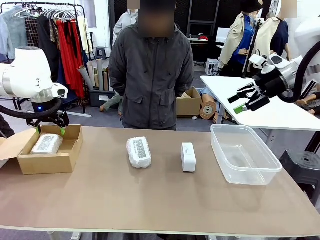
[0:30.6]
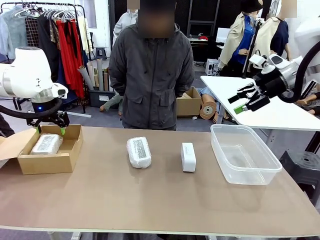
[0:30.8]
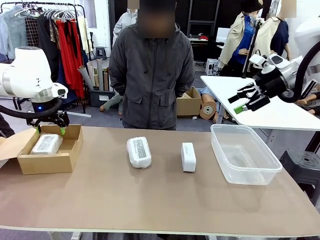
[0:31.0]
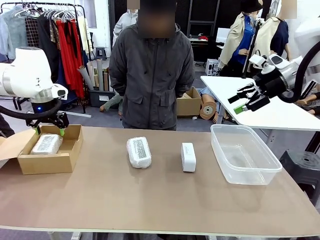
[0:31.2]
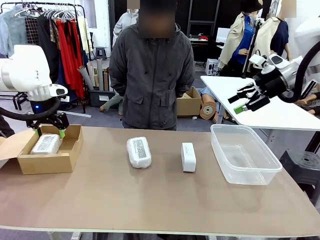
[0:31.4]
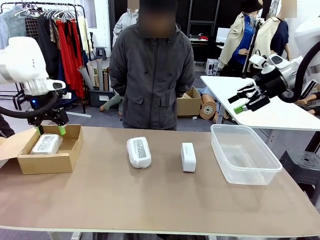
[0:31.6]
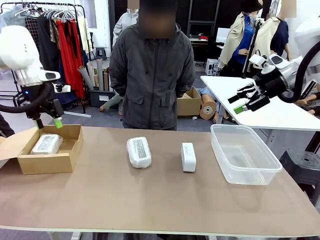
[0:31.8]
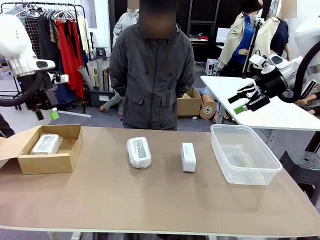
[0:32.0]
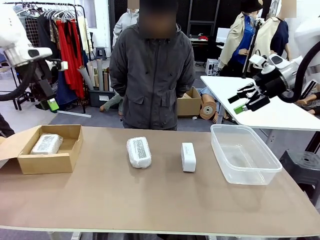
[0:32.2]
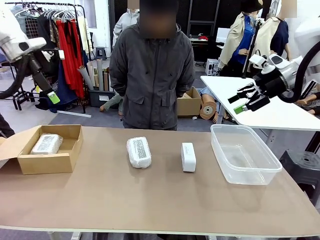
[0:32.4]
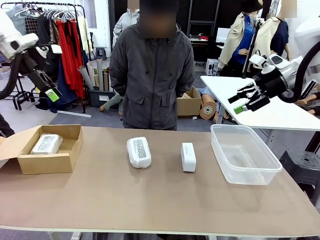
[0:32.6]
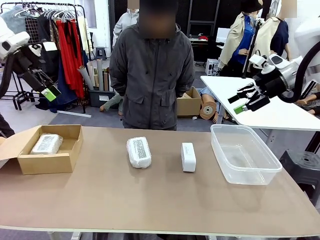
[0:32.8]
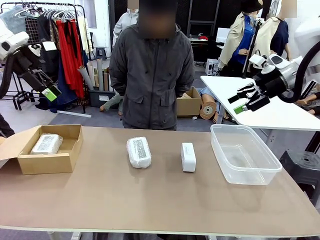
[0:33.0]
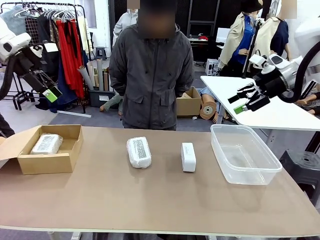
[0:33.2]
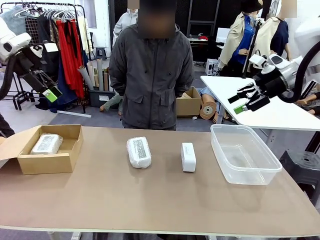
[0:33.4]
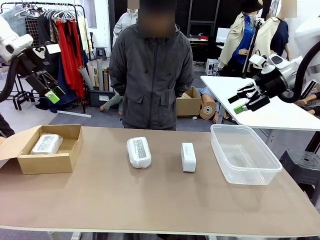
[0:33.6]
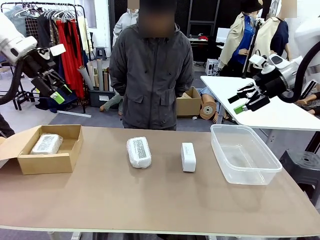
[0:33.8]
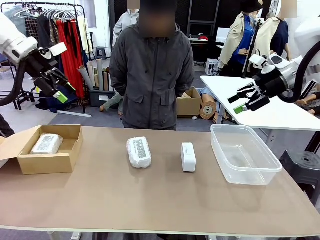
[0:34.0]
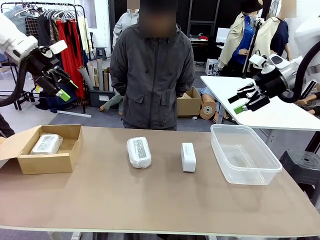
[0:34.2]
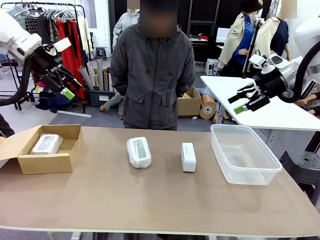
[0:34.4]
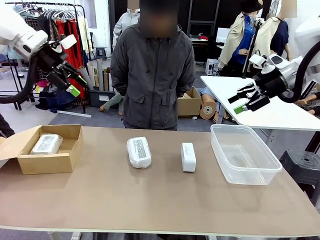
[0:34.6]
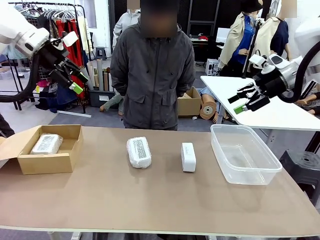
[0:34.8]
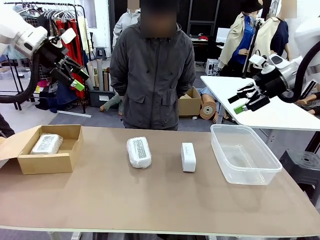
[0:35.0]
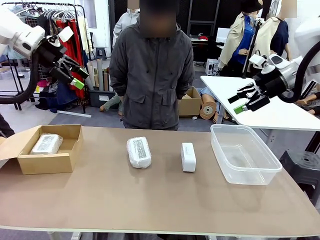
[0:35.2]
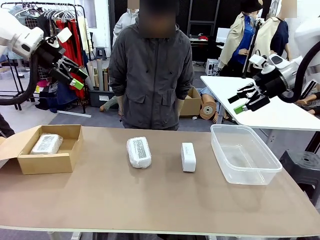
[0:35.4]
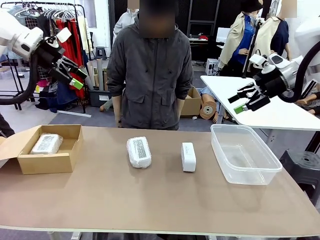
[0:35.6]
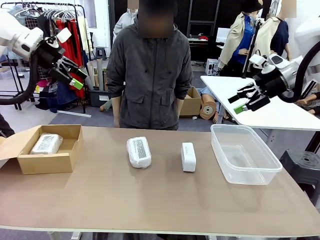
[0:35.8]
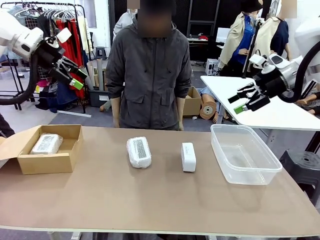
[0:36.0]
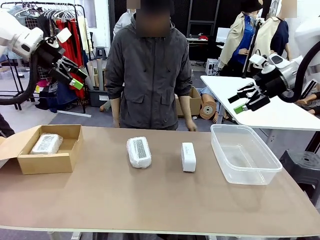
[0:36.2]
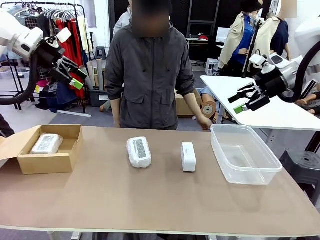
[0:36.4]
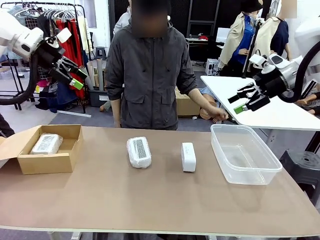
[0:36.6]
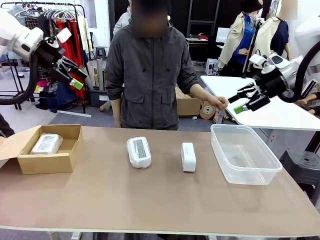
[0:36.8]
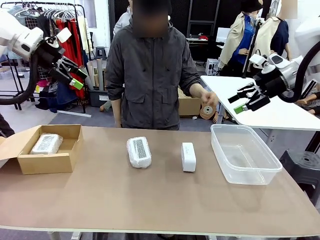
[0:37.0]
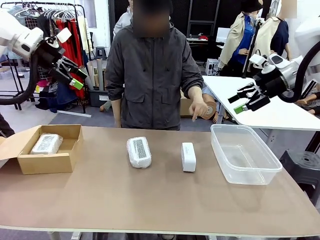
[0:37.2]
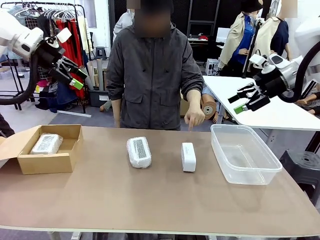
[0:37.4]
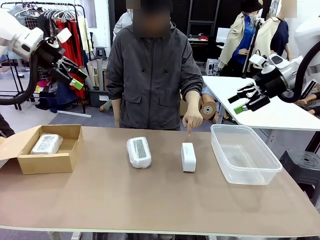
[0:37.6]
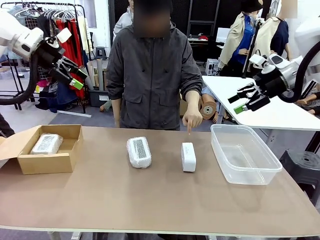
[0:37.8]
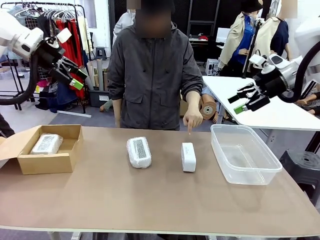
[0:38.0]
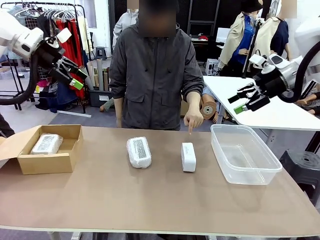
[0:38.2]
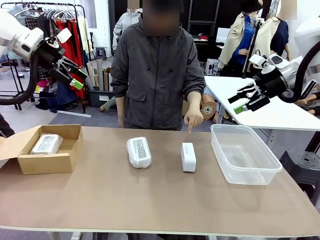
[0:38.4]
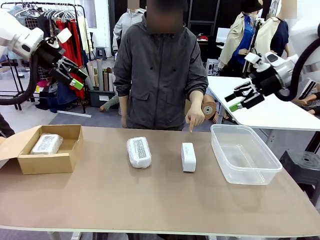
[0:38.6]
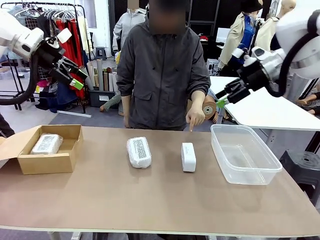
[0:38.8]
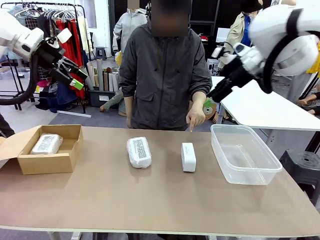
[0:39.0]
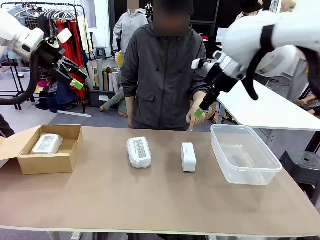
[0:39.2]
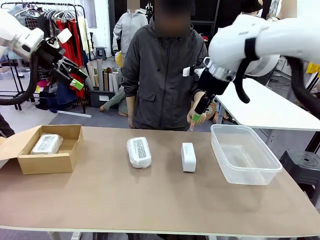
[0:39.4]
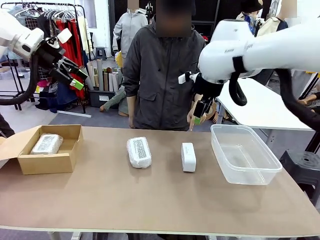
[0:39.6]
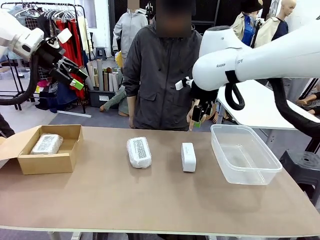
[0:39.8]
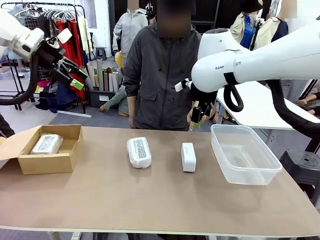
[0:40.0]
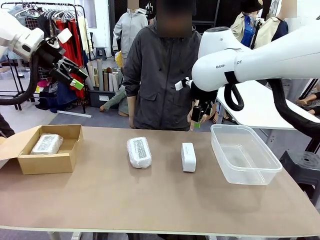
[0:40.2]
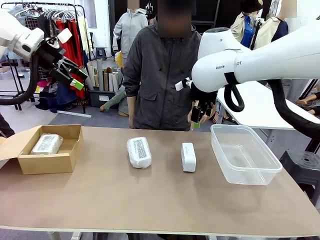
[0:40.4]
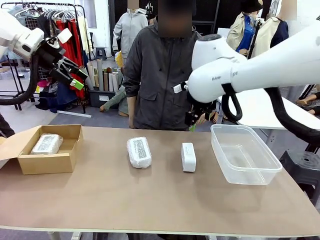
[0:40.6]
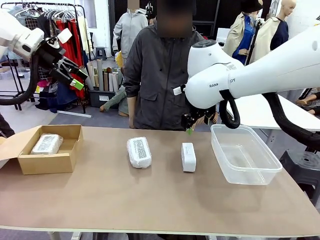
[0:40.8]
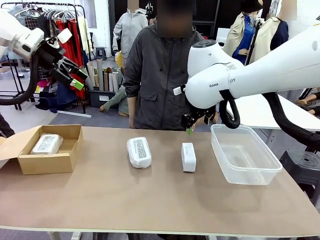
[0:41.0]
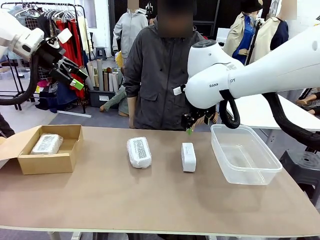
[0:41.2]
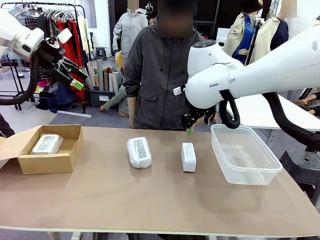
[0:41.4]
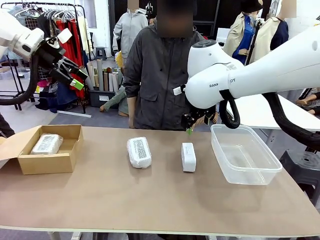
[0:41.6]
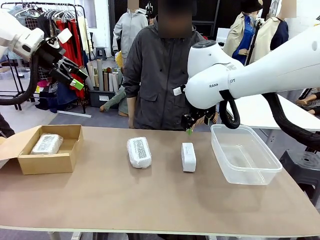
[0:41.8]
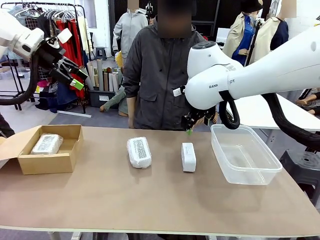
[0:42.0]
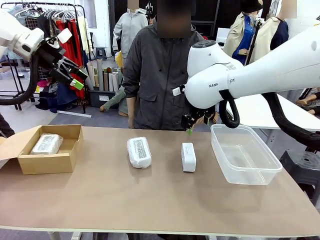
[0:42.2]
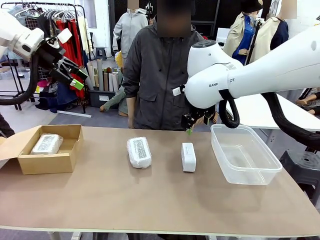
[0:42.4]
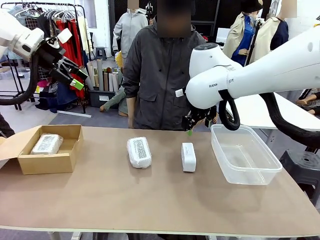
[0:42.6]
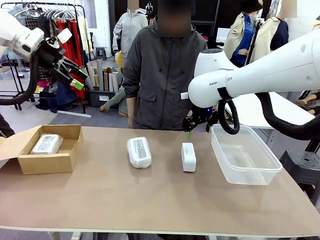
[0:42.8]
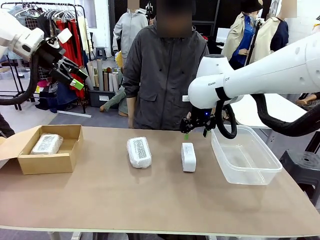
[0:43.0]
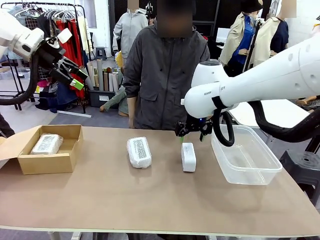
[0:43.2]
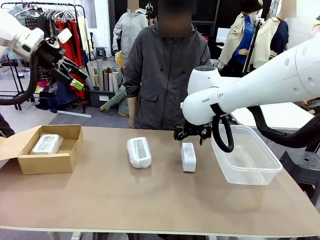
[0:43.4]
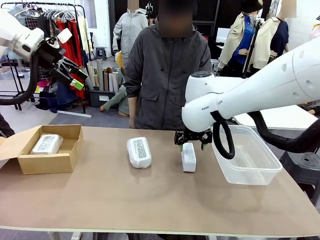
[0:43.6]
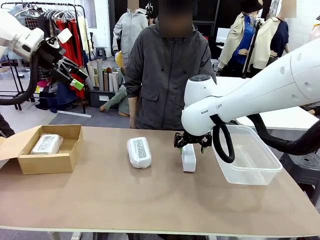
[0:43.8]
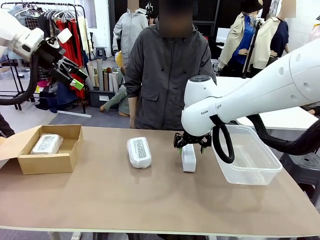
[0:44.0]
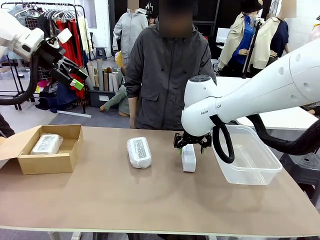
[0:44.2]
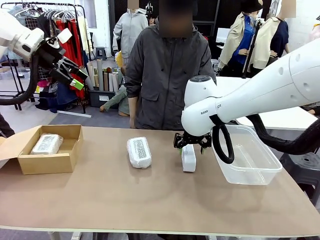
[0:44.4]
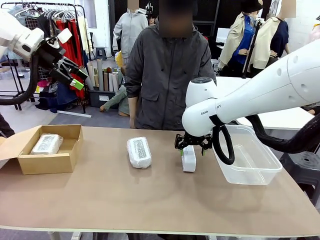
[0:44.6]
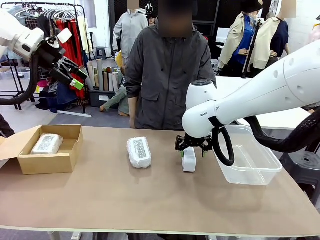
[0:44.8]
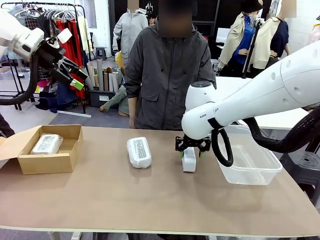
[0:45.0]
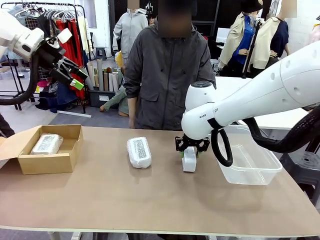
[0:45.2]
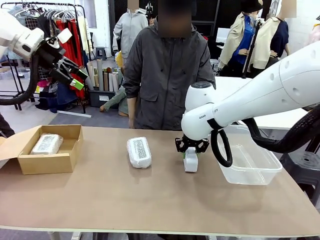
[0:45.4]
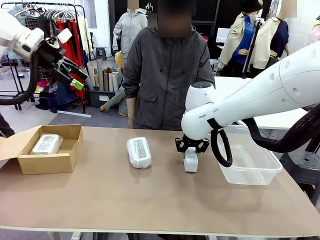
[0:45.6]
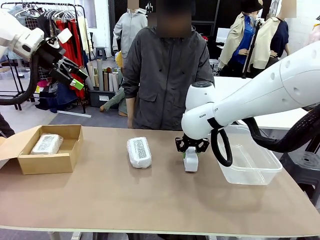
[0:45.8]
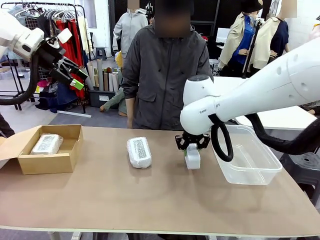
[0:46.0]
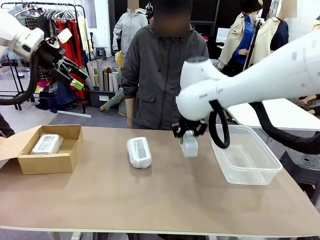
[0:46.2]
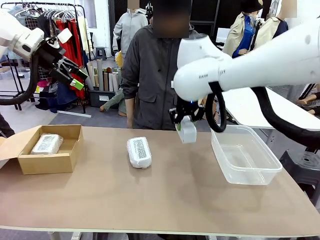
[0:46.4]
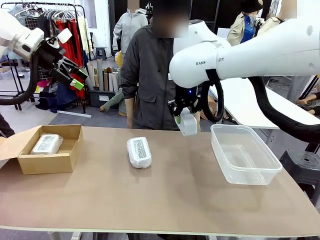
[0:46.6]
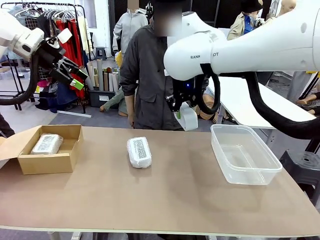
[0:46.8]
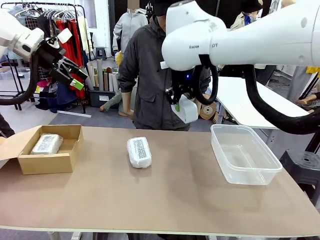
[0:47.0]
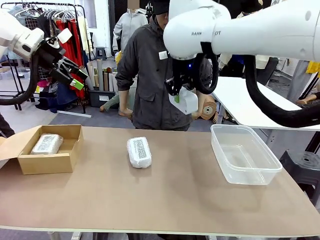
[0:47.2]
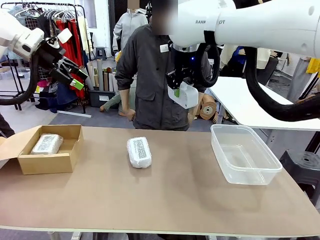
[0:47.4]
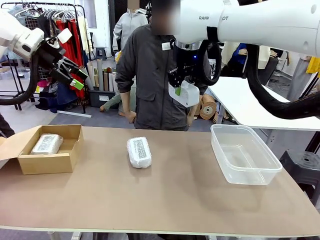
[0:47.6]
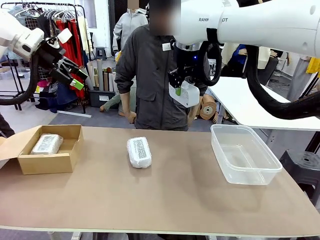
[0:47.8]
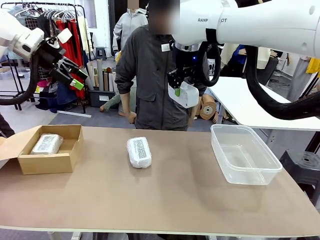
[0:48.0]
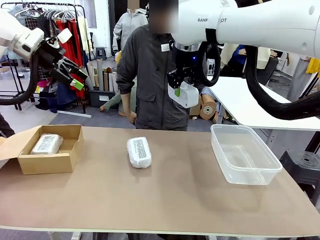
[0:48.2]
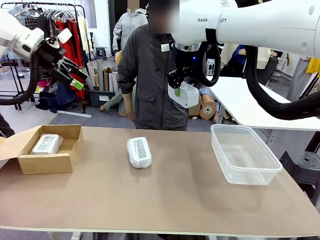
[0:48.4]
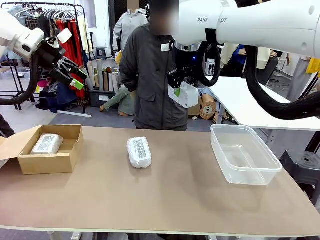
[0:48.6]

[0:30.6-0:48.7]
Task: Separate and place wrapped and unwrapped clocks.
Robot: Pick up the Digital clock indicated by the person.

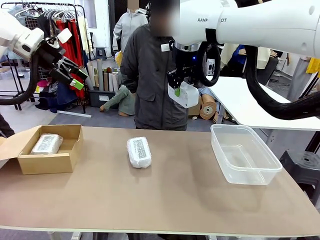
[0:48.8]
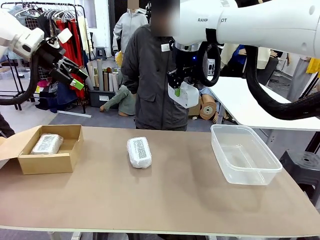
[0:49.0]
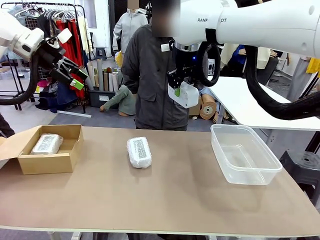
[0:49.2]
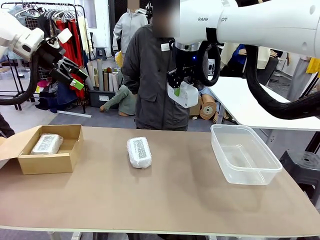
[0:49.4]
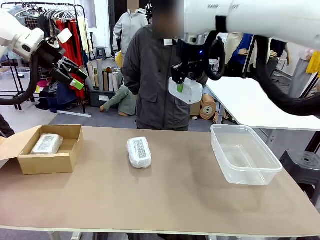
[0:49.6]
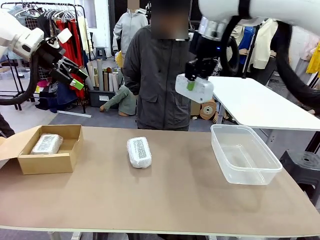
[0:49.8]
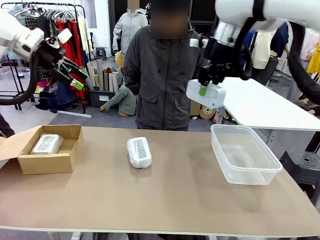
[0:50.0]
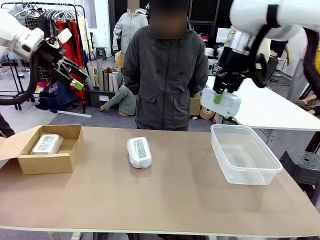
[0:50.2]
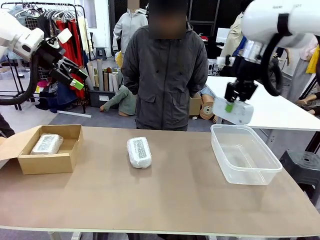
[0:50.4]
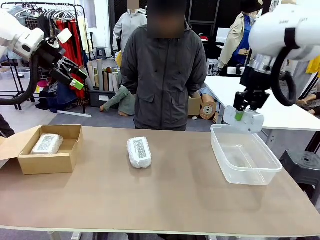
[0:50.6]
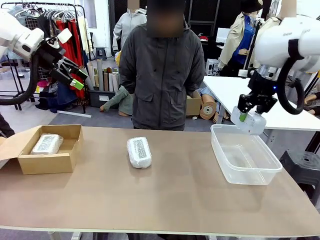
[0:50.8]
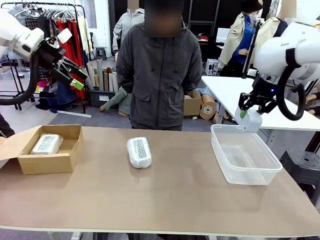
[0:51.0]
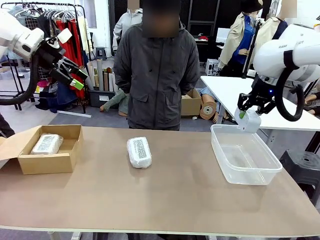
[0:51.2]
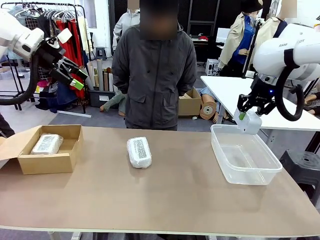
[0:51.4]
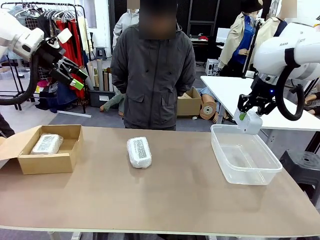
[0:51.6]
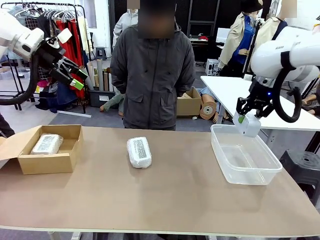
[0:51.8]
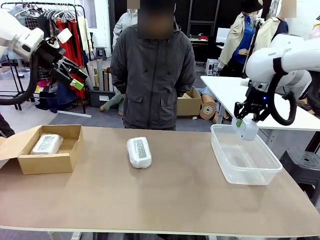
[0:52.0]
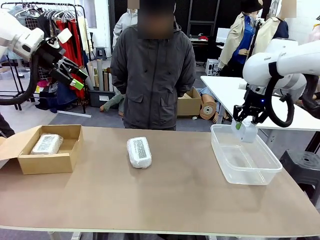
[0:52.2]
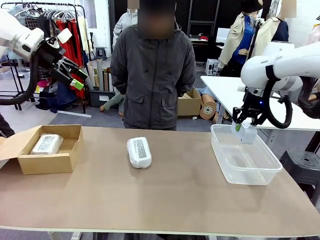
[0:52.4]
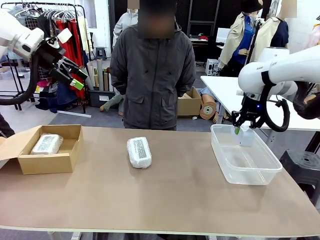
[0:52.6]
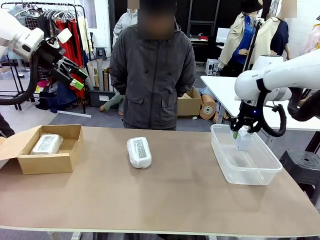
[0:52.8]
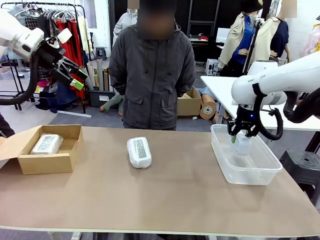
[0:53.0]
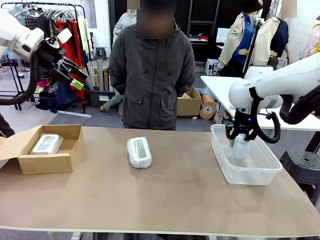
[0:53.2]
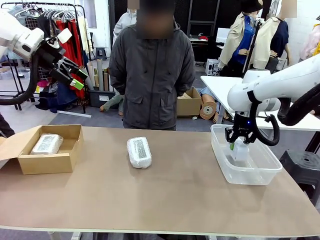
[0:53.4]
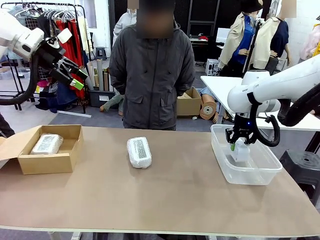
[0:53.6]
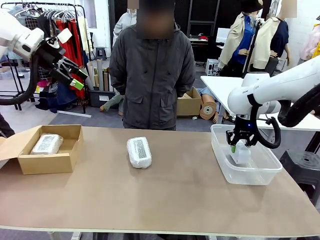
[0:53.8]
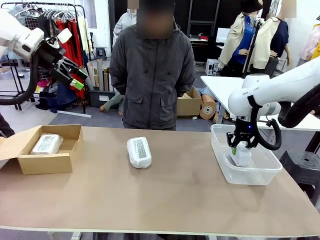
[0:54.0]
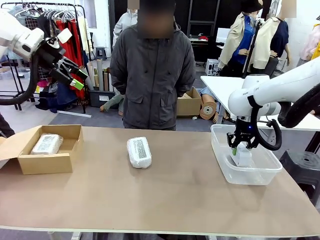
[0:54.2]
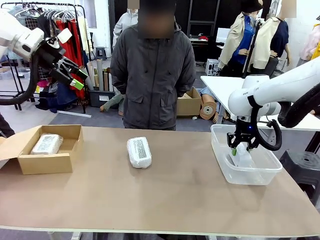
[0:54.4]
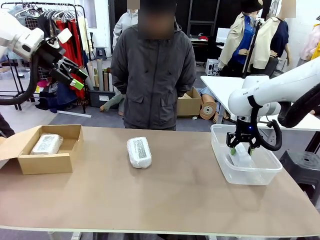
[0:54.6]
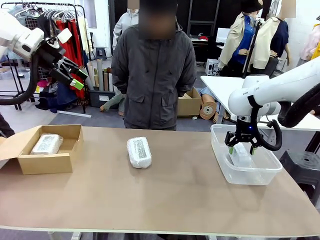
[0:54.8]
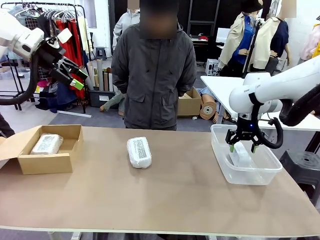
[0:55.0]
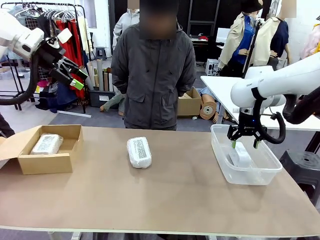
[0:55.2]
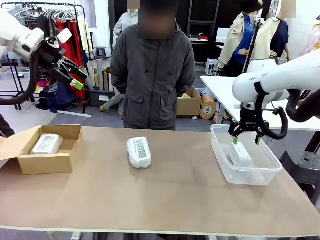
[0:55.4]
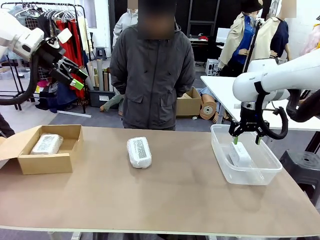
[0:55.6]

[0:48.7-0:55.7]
Robot: If the picked Digital clock is wrapped, place it in the Package Box ; if not, place it in the Organizing box.
